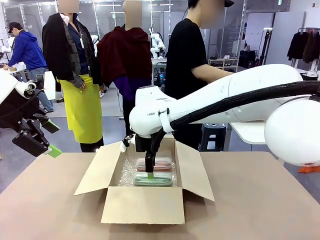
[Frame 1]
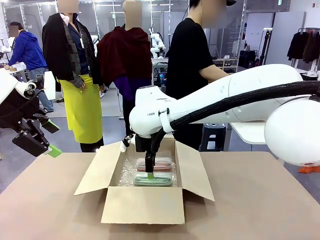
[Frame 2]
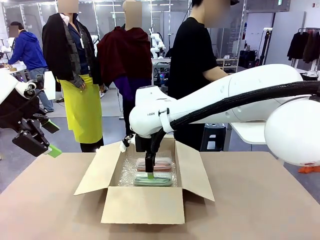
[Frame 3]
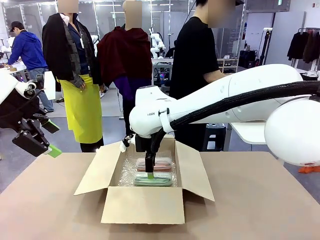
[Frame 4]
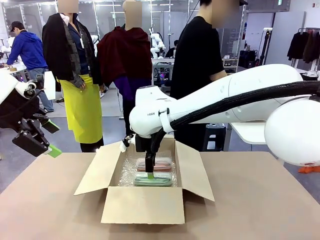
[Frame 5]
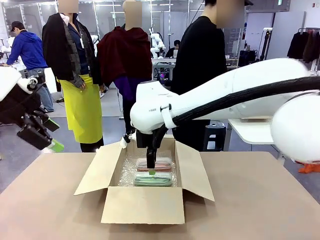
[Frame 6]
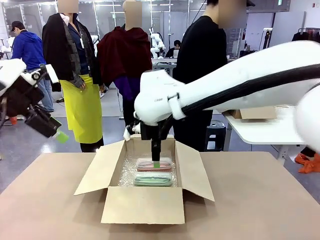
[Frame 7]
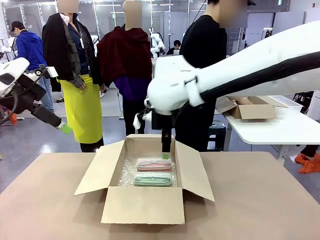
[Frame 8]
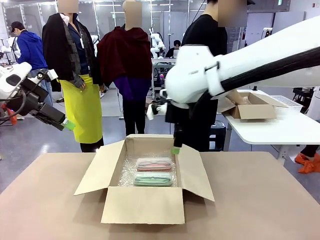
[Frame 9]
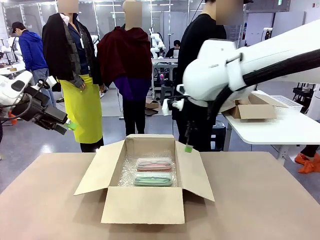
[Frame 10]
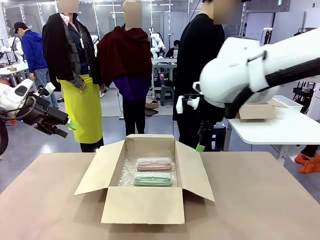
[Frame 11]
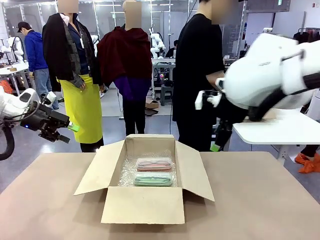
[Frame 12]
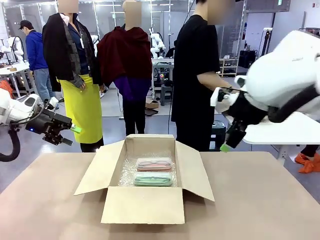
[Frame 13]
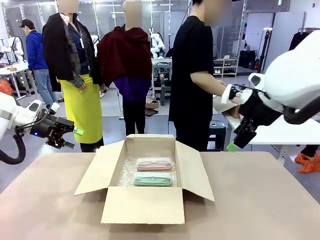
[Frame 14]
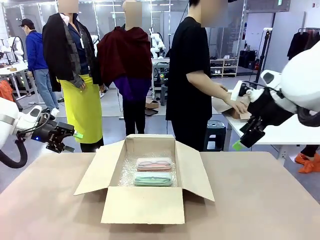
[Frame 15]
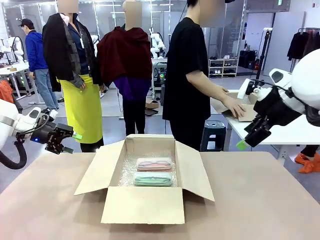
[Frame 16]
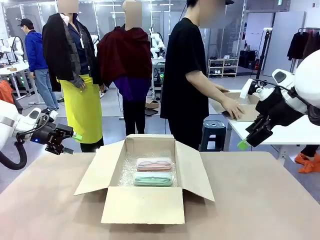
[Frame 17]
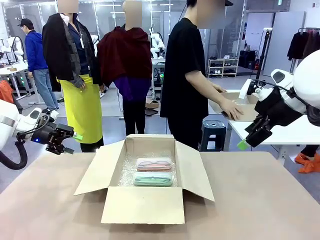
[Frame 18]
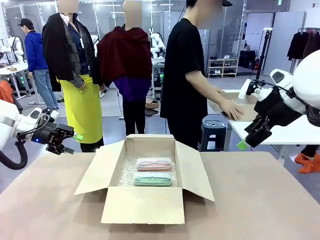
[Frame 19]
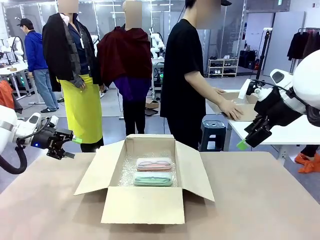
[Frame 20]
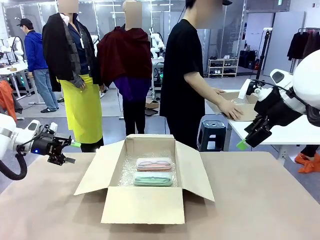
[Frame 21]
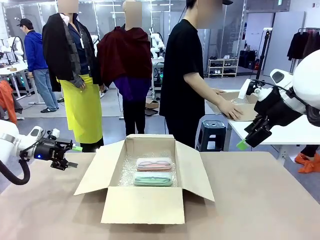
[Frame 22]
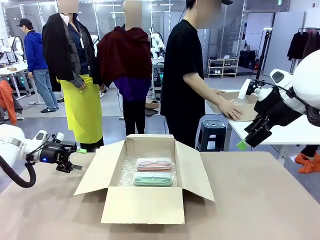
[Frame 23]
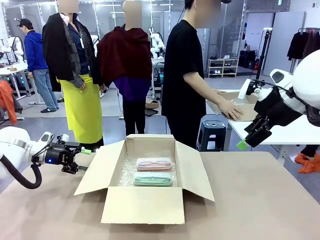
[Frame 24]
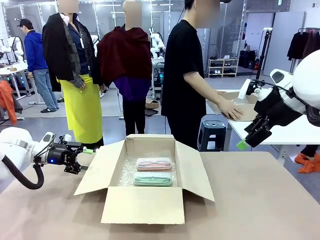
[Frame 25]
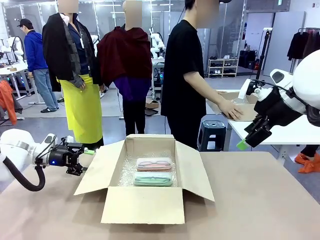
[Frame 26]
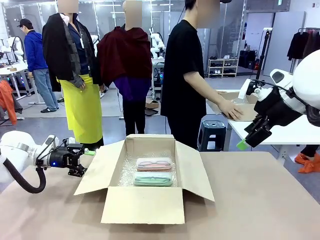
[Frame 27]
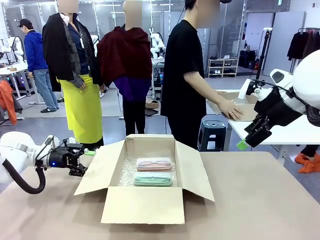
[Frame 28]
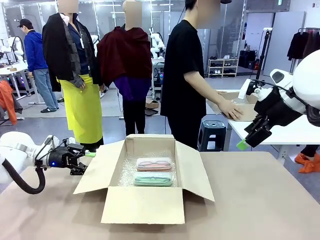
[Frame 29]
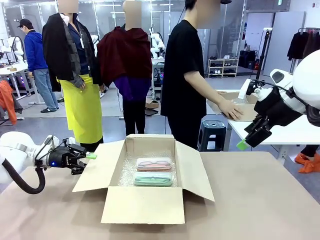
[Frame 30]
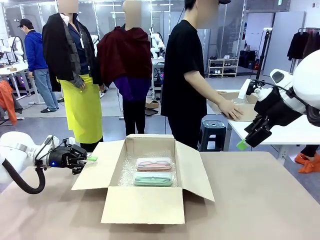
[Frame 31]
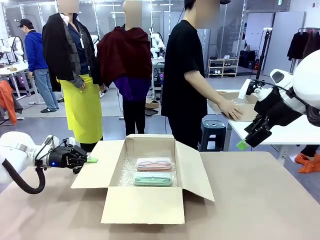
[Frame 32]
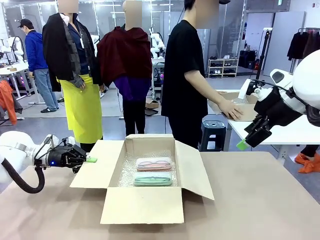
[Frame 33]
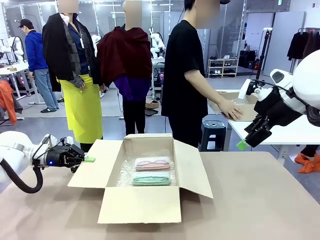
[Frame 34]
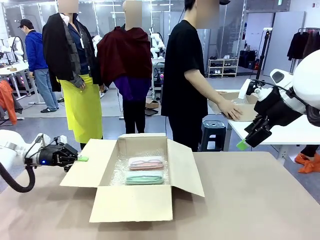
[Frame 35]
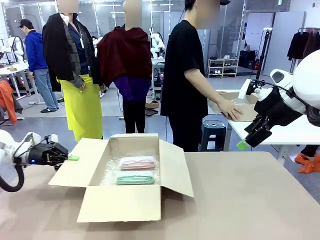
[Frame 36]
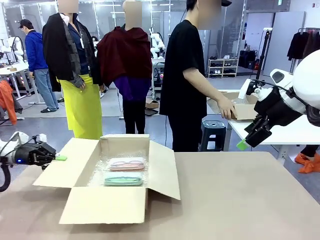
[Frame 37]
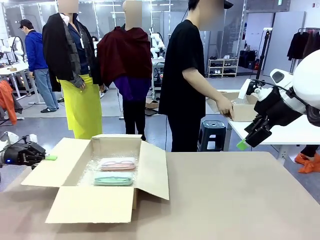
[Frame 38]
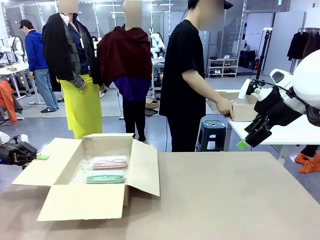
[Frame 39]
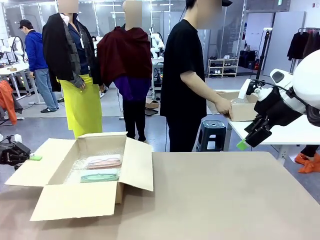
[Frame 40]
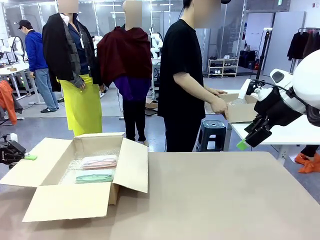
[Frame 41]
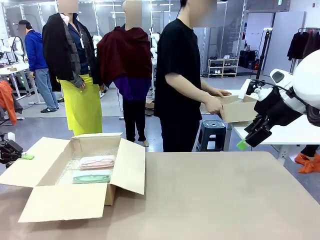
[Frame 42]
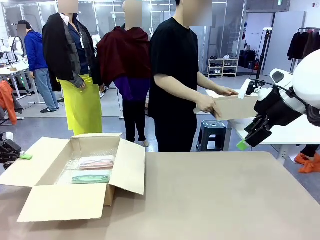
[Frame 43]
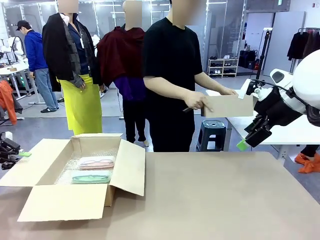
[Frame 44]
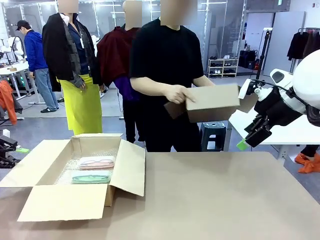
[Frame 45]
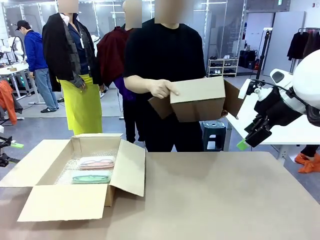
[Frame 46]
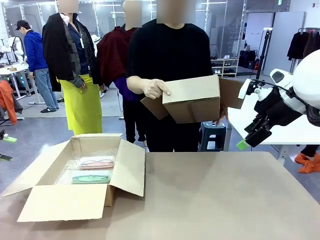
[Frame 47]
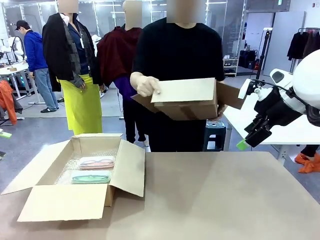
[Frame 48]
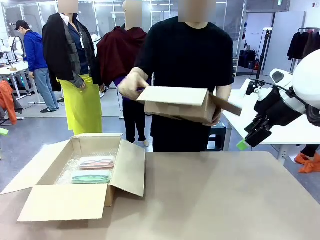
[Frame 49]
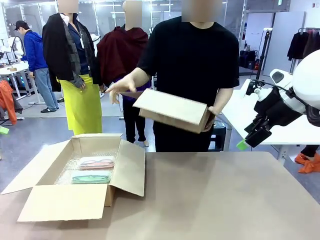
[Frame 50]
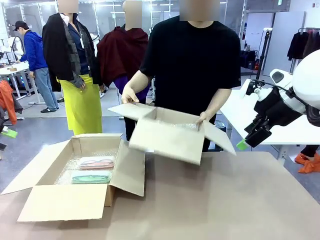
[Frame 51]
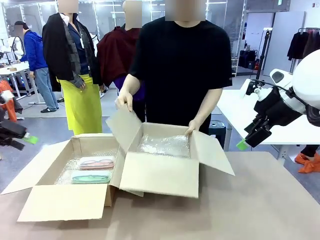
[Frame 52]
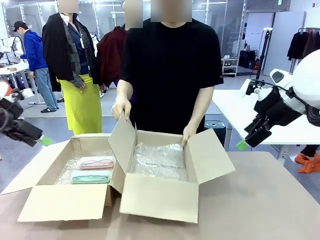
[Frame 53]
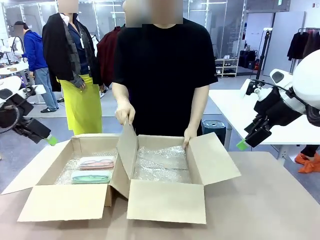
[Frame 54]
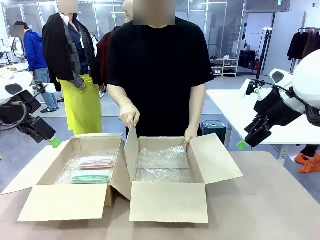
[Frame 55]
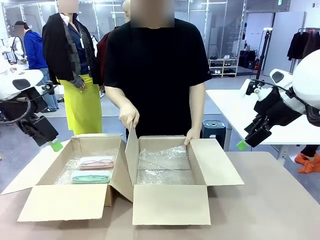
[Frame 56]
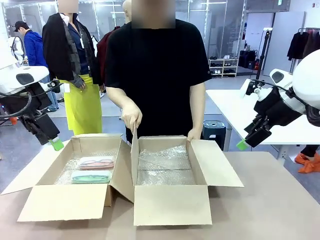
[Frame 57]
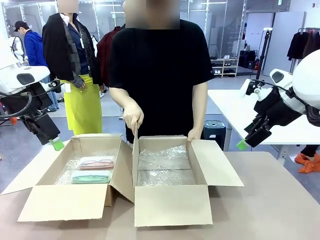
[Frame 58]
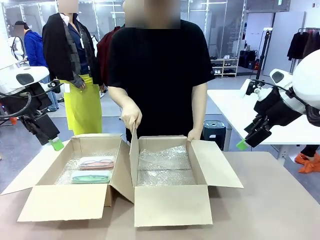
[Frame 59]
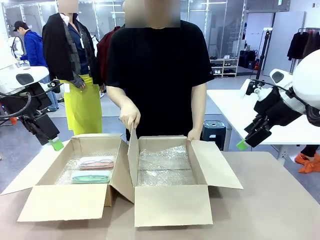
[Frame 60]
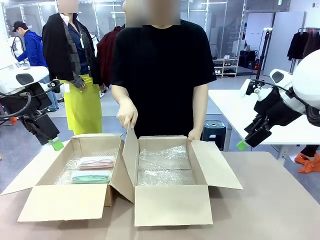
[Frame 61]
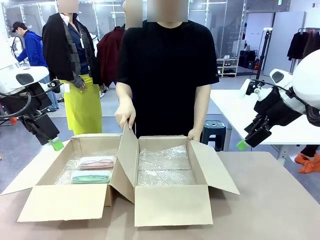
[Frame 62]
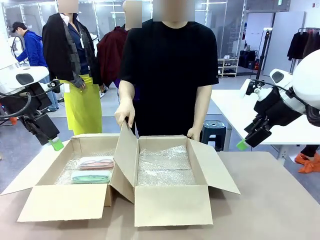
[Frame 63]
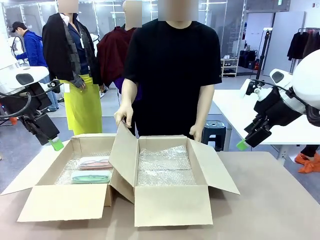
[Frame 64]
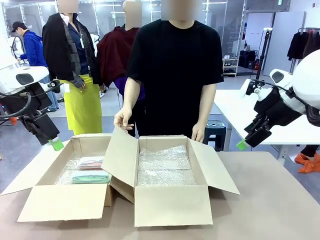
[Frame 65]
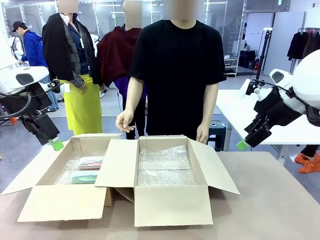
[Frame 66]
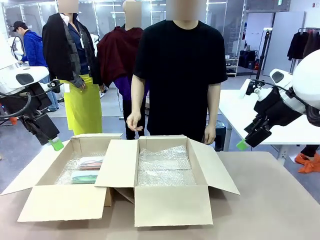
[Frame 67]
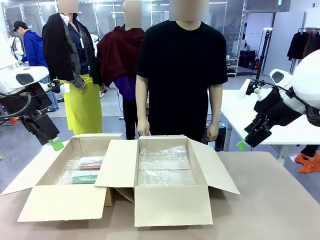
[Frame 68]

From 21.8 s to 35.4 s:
Task: Pack the glasses set securely to prepare it for shipping.
Robot: Position the Package Box on the left side of the table.
Person: Position the empty Package Box in the middle of the robot's table.
